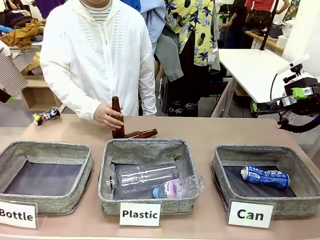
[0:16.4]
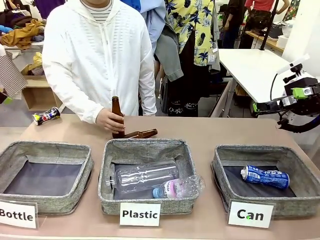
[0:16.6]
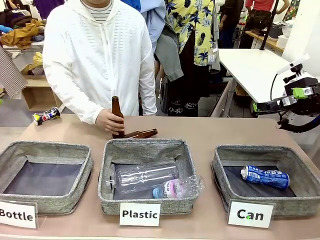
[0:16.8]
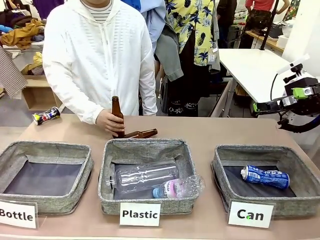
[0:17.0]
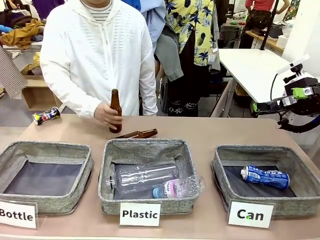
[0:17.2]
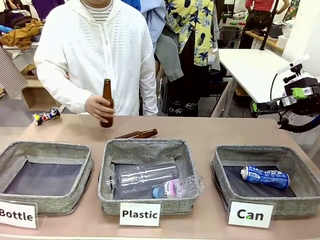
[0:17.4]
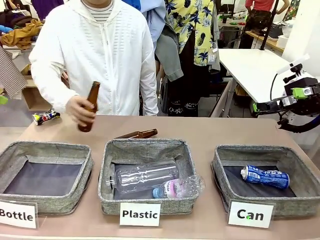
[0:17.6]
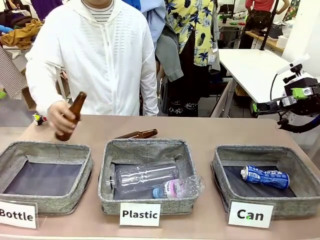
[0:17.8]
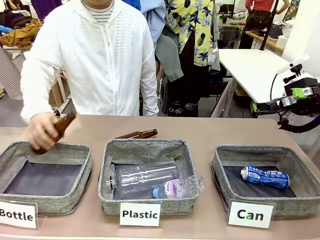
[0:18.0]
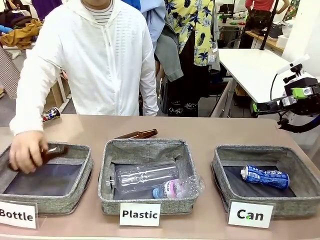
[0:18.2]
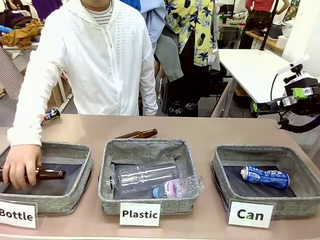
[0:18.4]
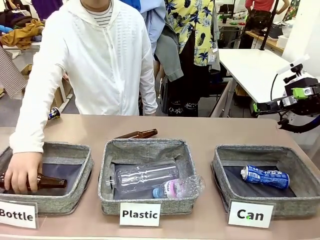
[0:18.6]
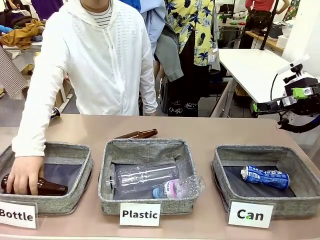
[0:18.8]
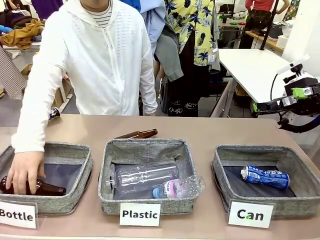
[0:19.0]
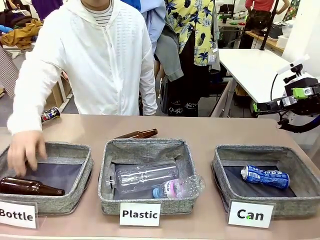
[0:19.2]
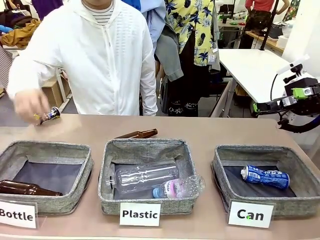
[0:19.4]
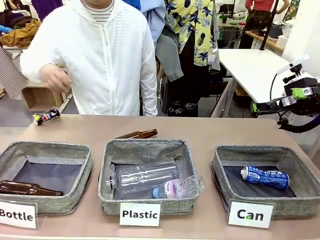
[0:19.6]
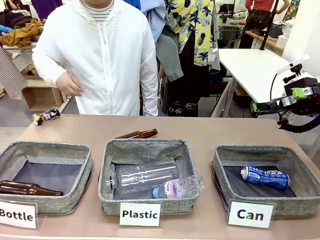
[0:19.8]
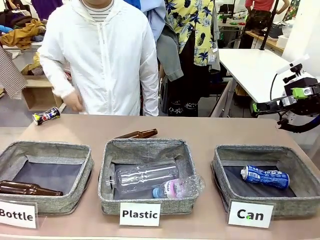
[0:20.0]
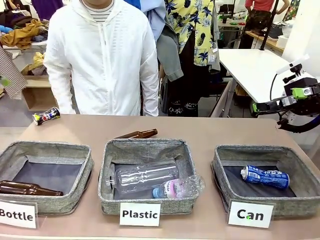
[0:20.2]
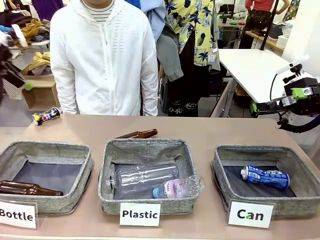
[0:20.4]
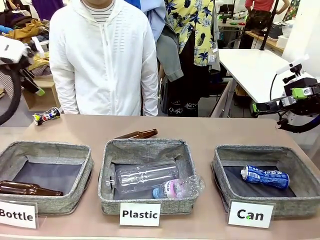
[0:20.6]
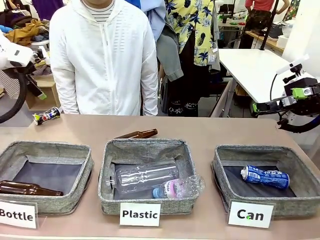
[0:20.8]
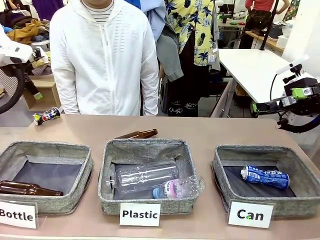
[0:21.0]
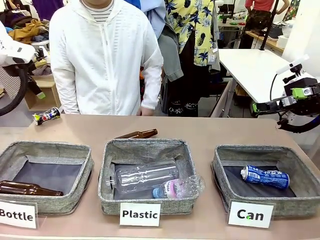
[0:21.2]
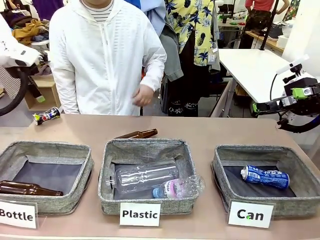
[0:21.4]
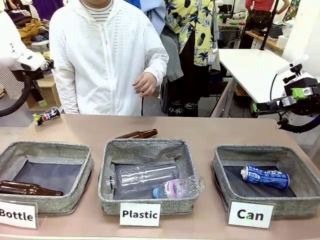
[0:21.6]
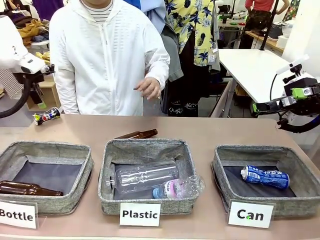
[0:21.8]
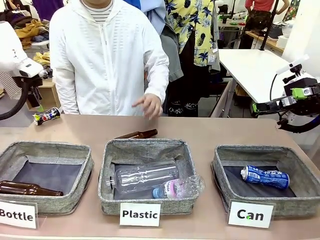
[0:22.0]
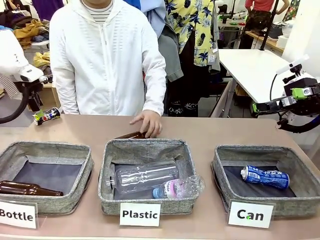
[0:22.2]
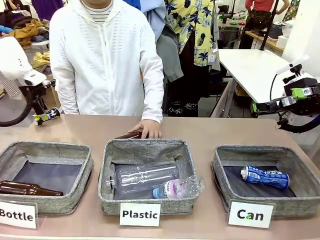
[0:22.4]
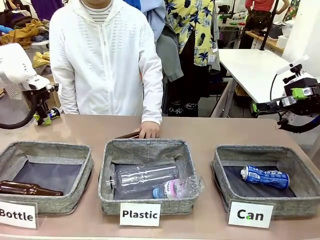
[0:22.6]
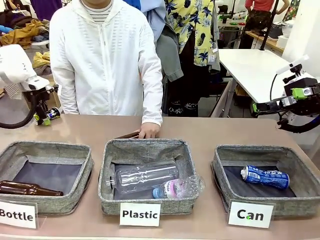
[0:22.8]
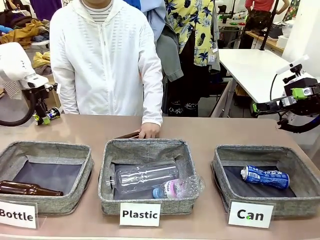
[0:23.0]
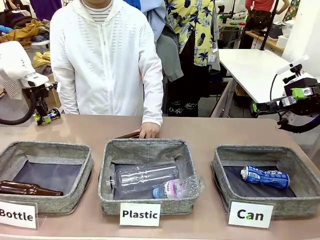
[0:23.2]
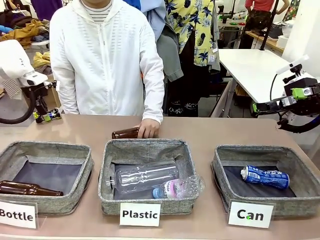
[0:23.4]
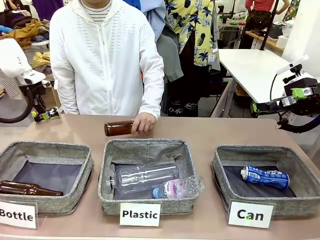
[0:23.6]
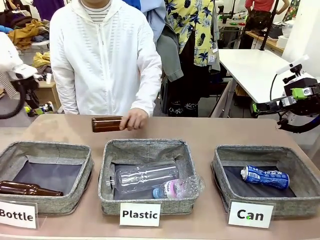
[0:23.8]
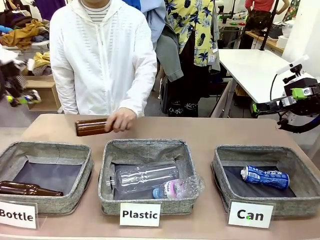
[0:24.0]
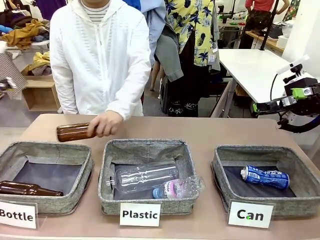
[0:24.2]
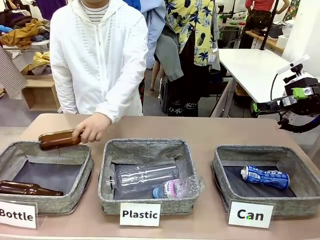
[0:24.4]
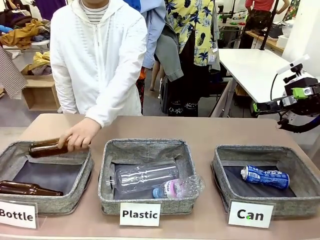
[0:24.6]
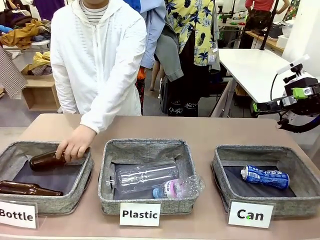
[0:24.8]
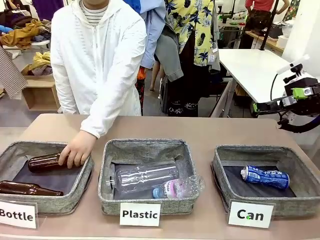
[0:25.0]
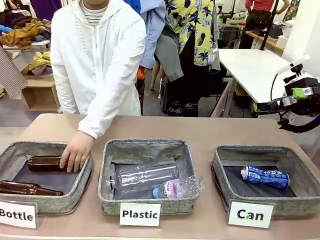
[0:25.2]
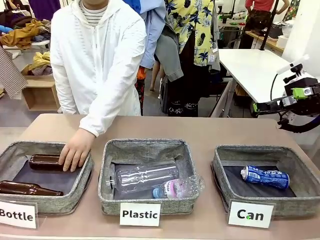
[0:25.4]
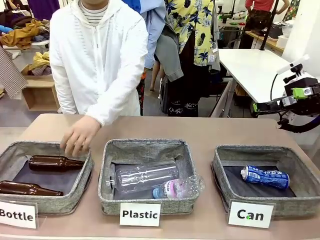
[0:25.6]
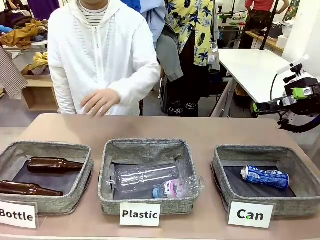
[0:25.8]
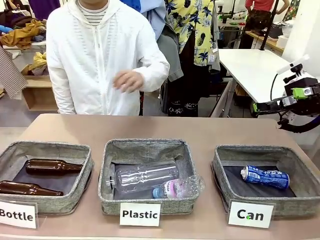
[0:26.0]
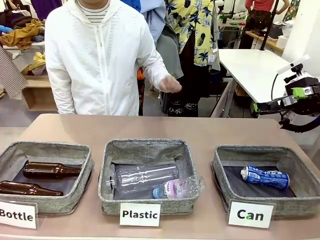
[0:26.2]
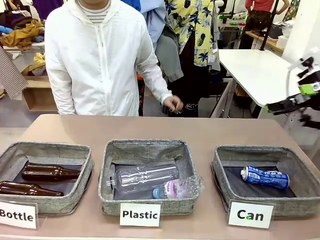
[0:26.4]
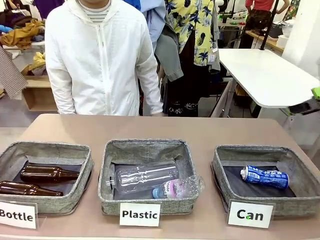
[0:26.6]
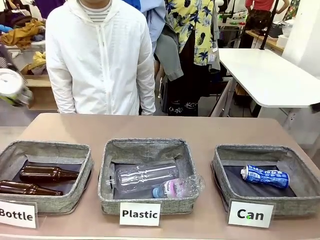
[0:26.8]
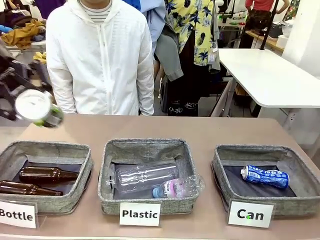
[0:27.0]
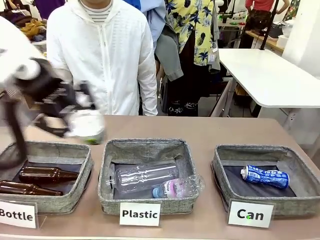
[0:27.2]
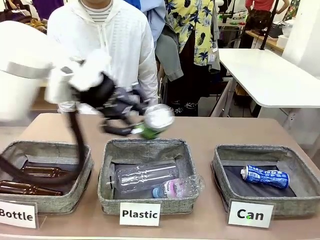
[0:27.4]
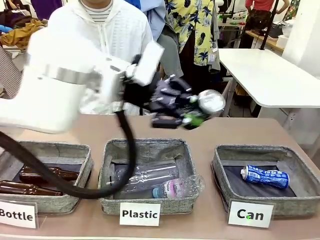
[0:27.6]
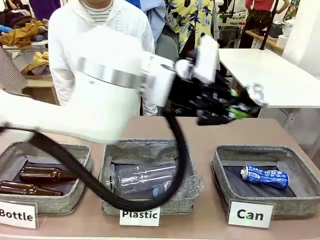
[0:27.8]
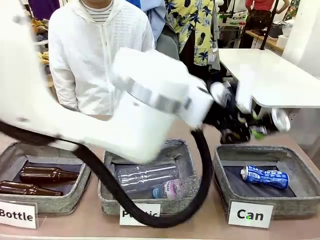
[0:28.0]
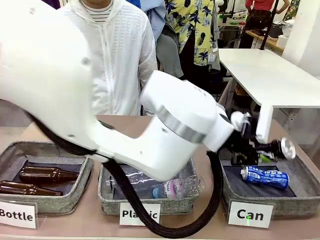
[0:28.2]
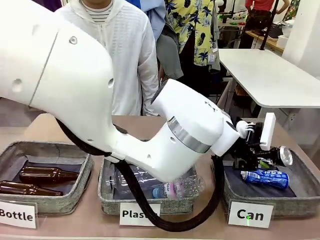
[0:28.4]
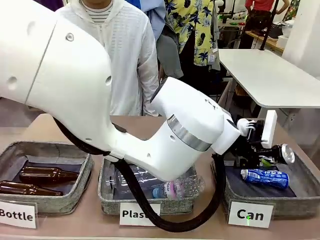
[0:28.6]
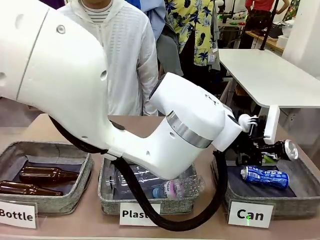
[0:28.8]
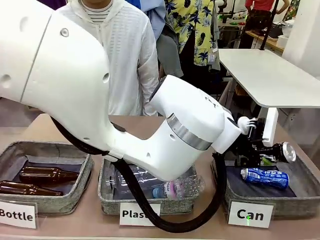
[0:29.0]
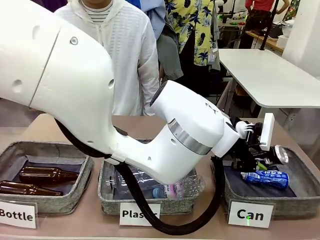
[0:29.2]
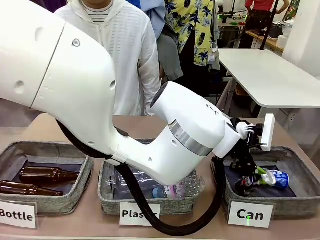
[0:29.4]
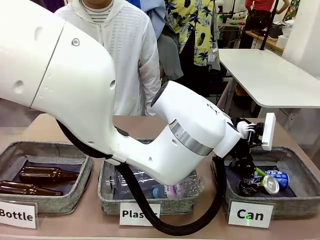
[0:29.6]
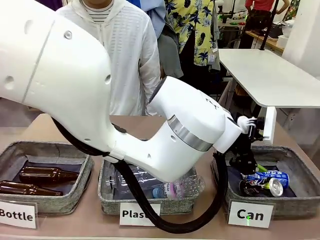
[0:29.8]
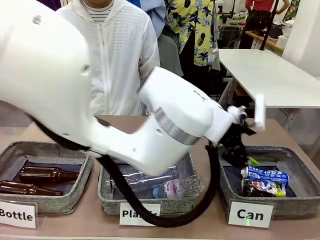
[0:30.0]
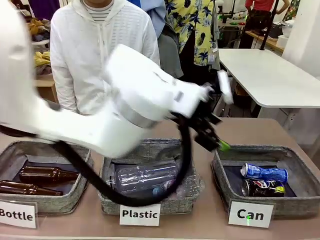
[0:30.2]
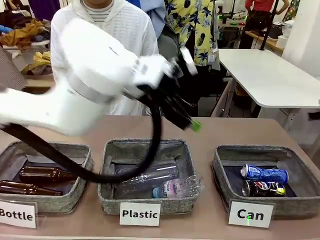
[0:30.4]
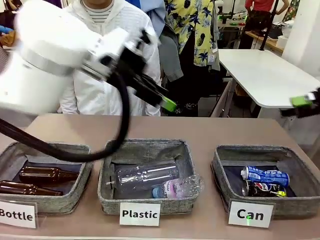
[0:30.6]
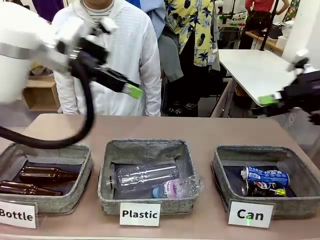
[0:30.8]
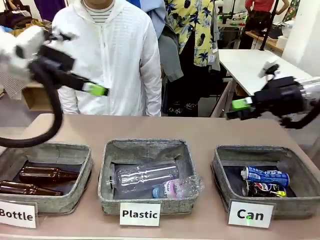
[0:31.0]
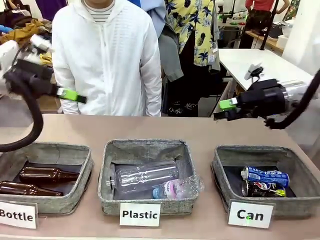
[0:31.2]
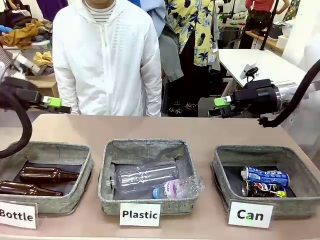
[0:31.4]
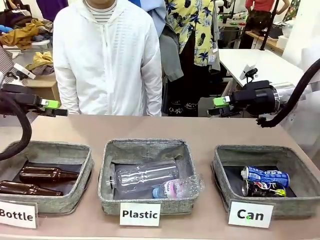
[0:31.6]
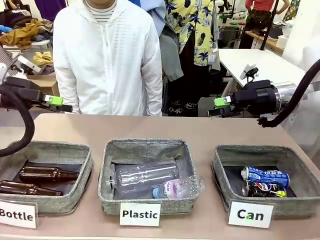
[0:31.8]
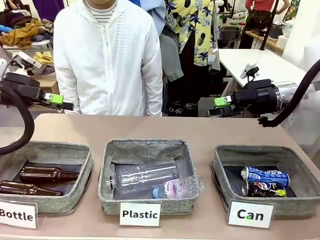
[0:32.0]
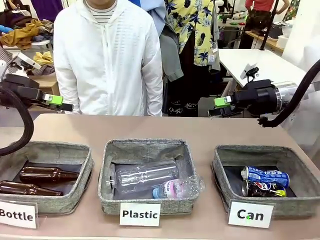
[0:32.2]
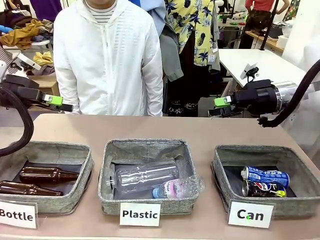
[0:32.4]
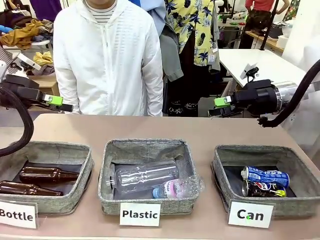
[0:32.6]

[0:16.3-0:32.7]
Task: Sort the can waste into the basket.
Robot: Pick up the can waste from the table and place it in the right Fabric basket.
Person: The human picks up one piece of trash that is not a can and places the trash into the appropriate organizing basket.

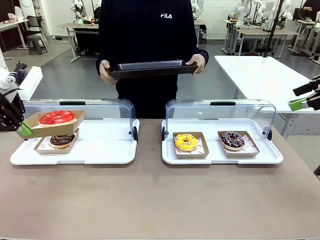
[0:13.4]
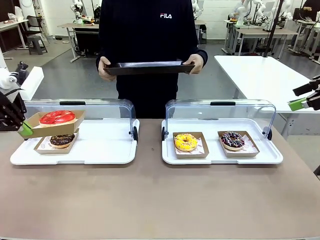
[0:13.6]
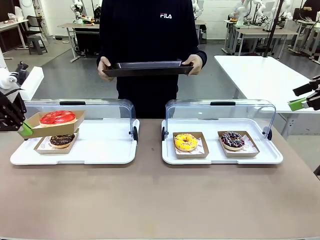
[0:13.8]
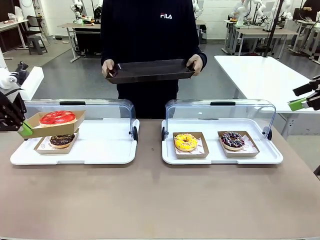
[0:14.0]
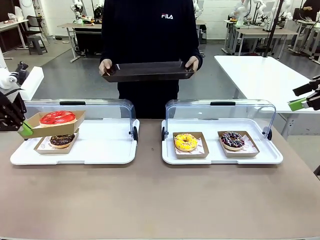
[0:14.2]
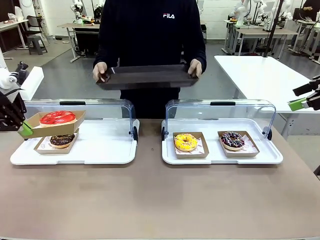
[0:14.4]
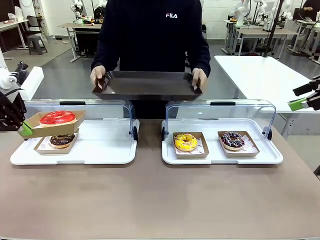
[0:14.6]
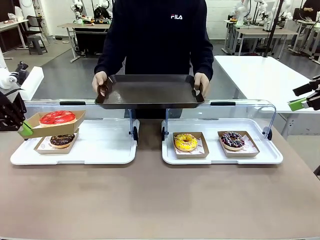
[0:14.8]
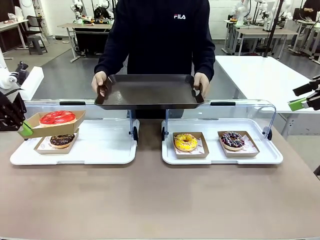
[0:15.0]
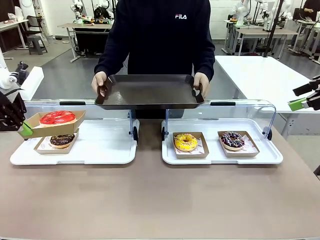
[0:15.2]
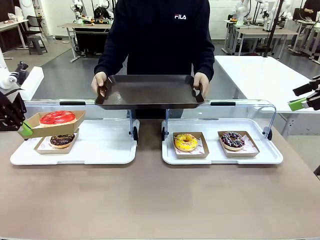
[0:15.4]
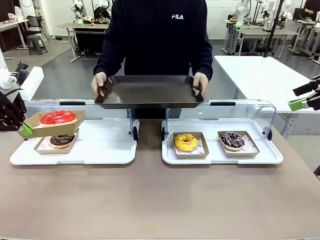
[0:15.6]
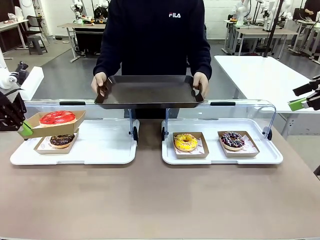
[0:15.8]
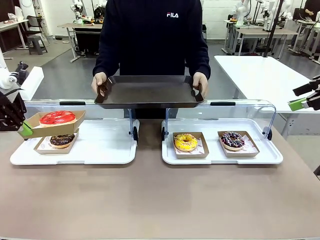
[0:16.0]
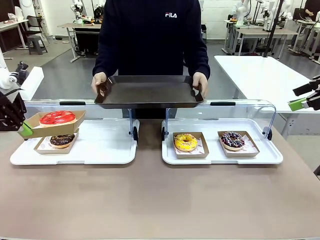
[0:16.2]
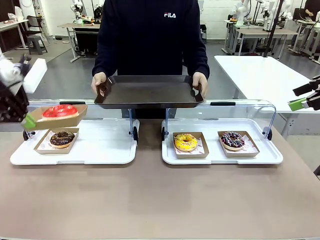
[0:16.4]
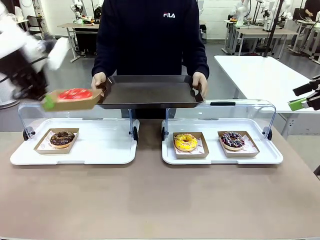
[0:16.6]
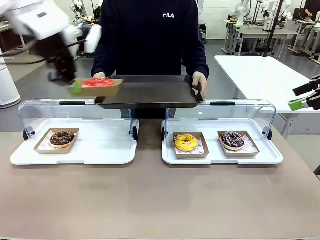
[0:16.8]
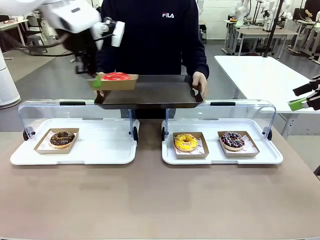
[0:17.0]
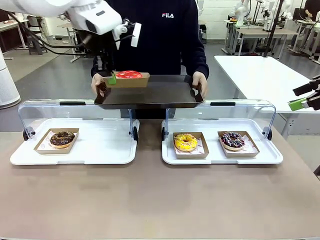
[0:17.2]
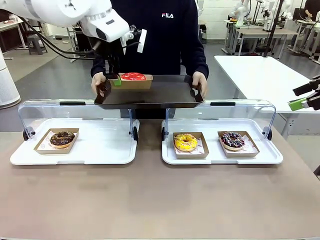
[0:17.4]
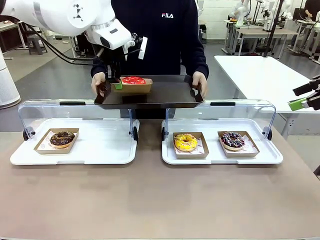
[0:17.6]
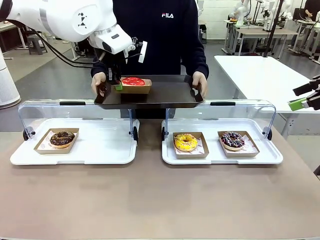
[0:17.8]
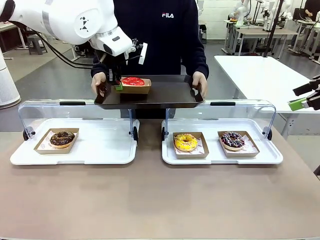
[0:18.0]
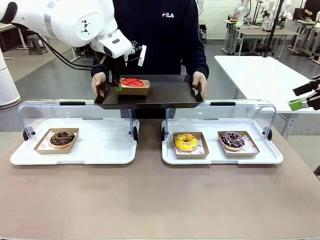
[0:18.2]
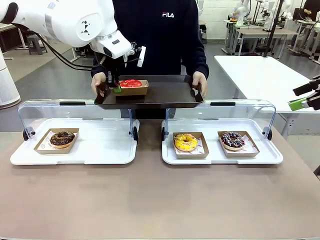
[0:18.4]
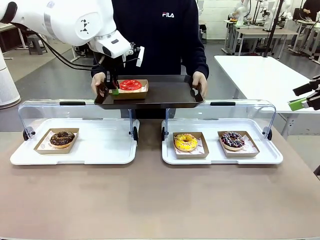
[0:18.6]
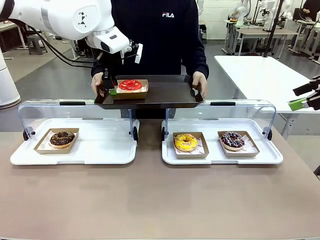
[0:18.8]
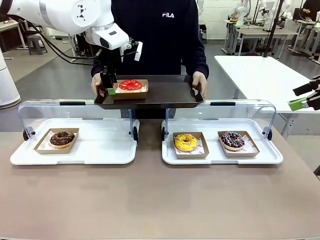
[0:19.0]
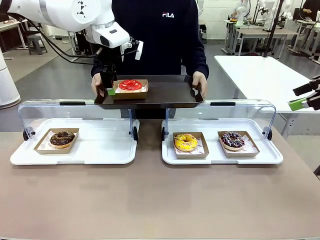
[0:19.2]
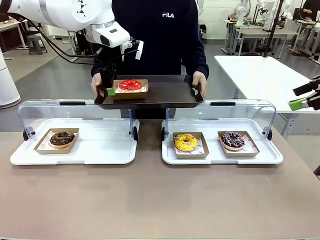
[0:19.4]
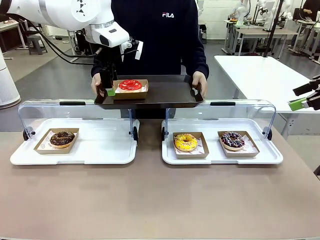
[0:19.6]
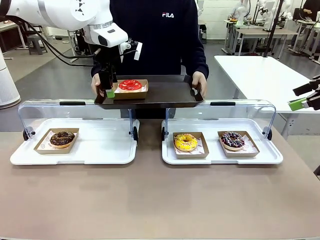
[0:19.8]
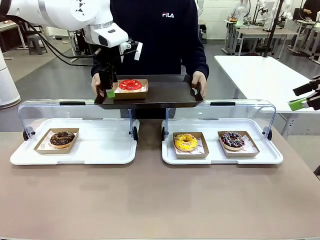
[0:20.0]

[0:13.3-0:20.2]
Task: Provide the desired donut to the person.
Robot: Place the picked Paper togo box onto the Handle tray extended by the person.
